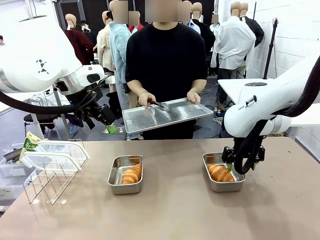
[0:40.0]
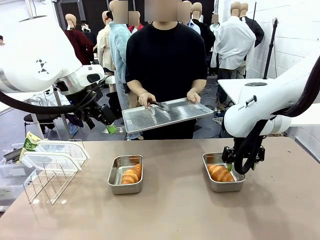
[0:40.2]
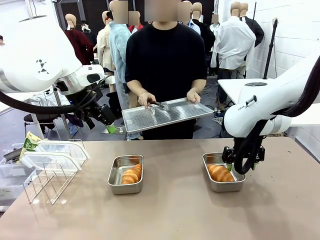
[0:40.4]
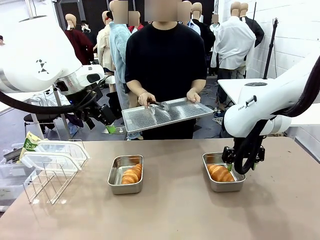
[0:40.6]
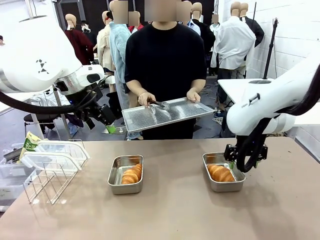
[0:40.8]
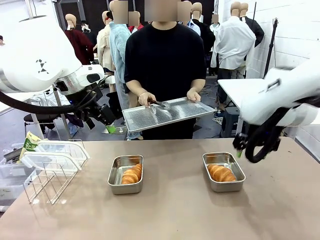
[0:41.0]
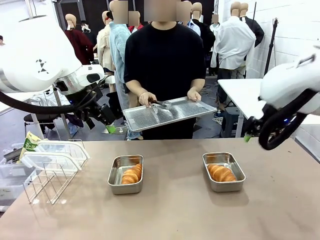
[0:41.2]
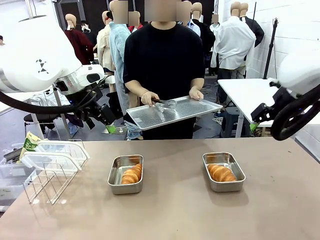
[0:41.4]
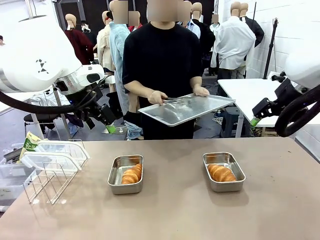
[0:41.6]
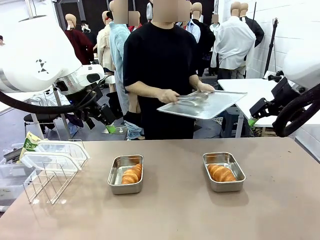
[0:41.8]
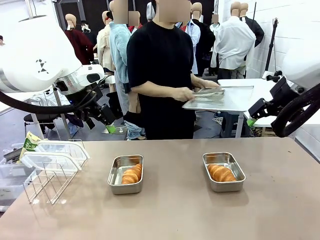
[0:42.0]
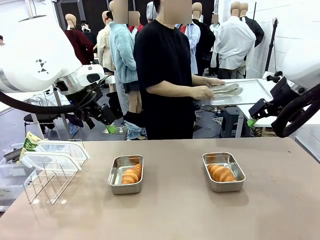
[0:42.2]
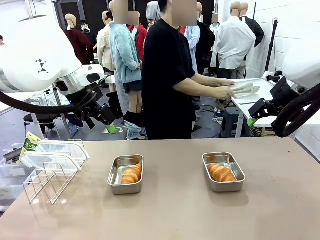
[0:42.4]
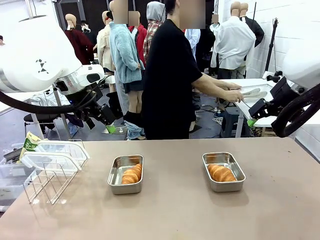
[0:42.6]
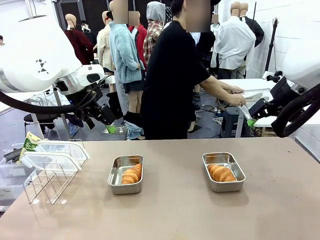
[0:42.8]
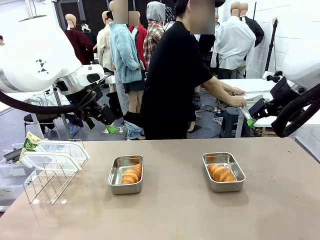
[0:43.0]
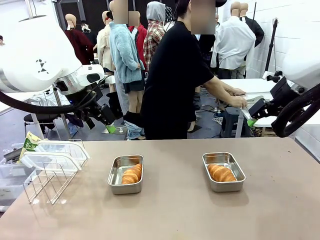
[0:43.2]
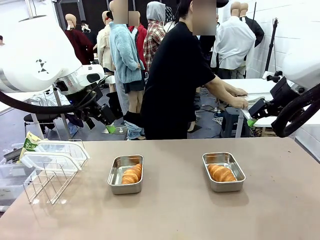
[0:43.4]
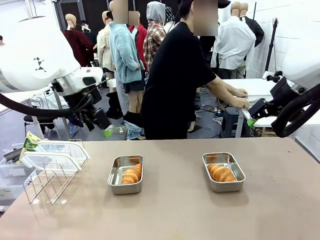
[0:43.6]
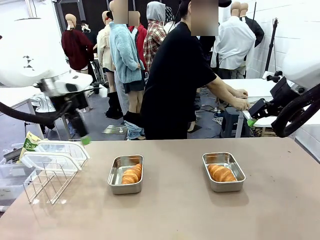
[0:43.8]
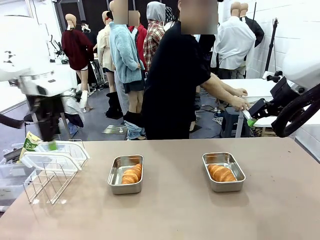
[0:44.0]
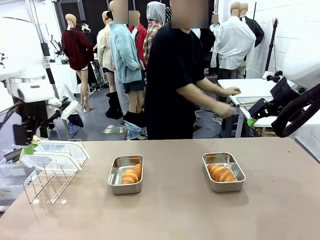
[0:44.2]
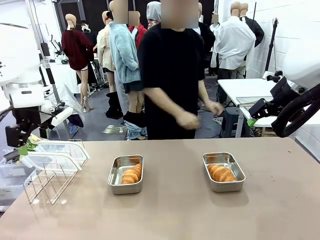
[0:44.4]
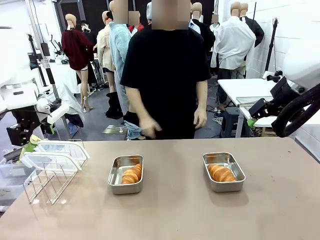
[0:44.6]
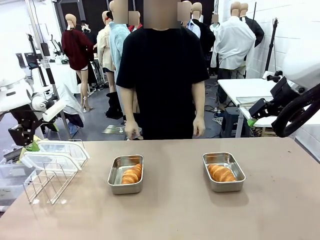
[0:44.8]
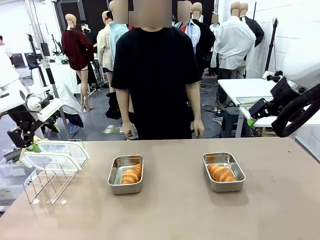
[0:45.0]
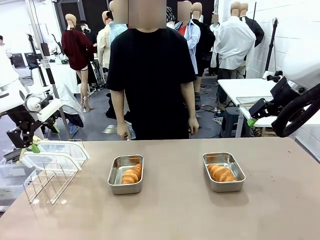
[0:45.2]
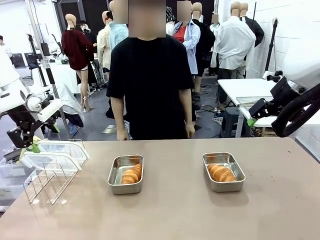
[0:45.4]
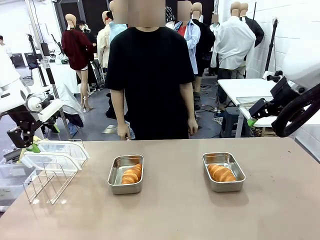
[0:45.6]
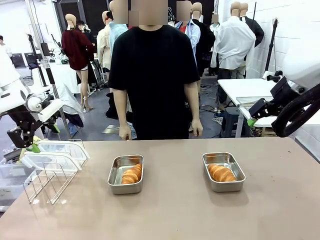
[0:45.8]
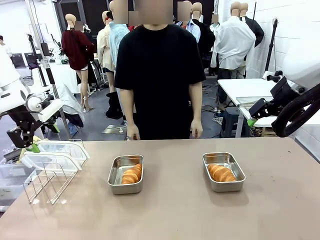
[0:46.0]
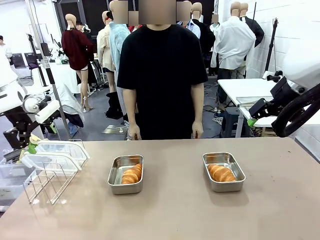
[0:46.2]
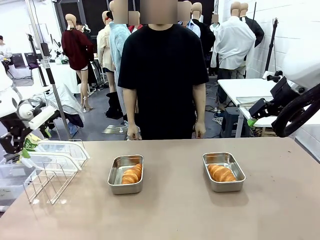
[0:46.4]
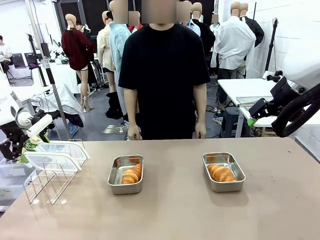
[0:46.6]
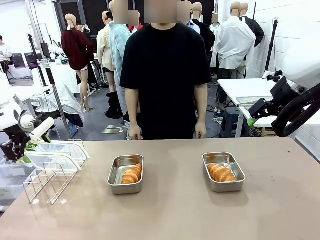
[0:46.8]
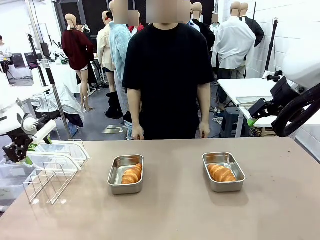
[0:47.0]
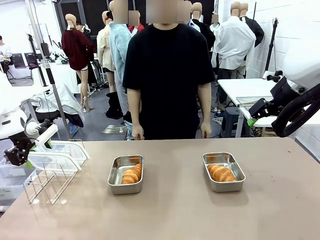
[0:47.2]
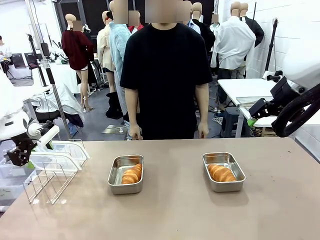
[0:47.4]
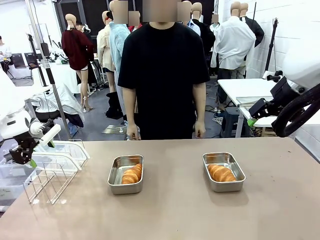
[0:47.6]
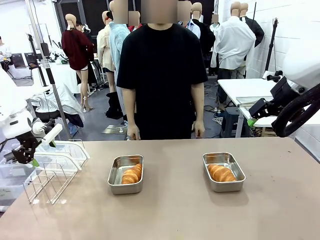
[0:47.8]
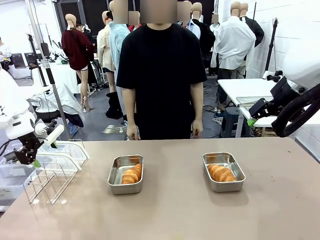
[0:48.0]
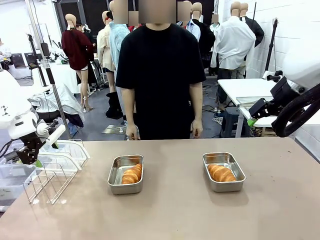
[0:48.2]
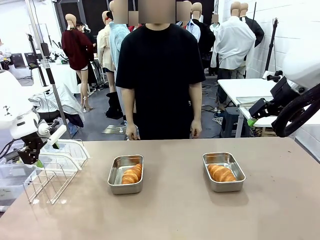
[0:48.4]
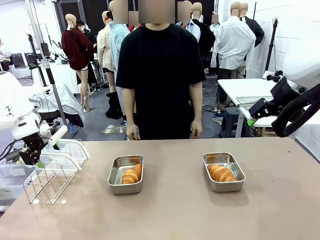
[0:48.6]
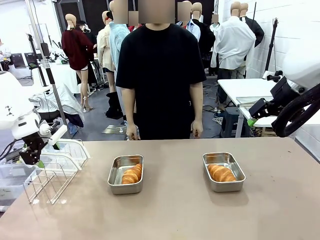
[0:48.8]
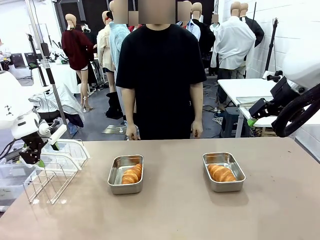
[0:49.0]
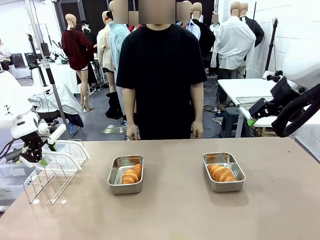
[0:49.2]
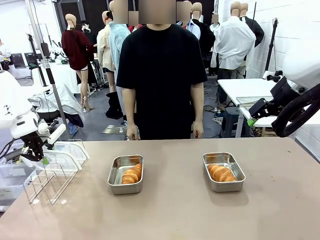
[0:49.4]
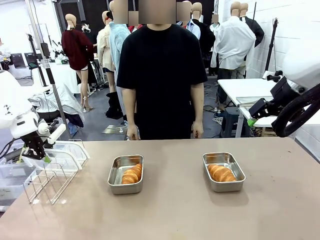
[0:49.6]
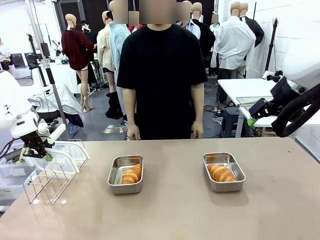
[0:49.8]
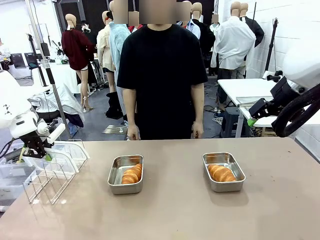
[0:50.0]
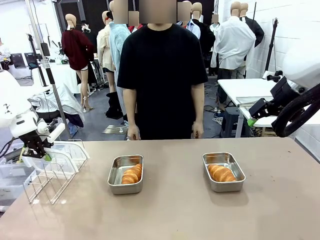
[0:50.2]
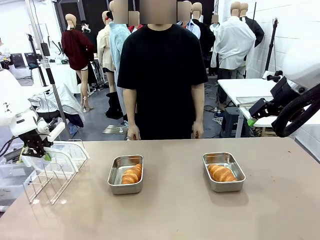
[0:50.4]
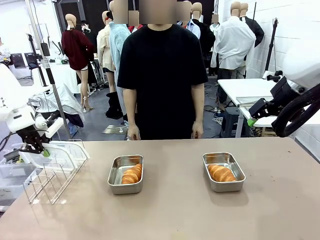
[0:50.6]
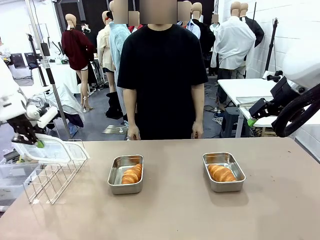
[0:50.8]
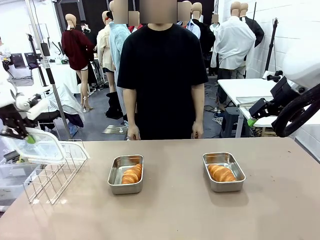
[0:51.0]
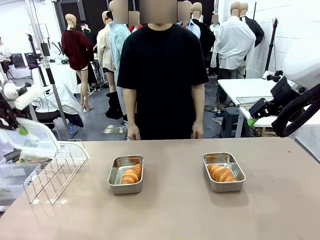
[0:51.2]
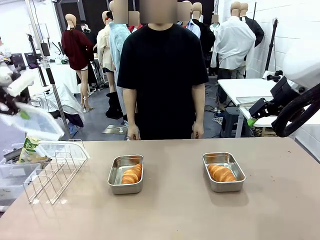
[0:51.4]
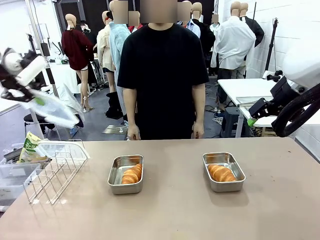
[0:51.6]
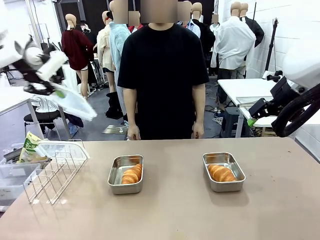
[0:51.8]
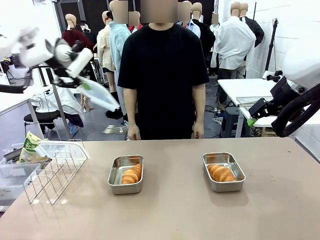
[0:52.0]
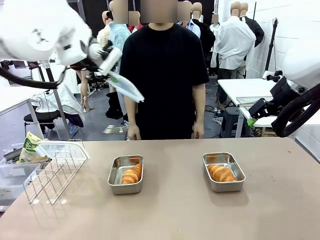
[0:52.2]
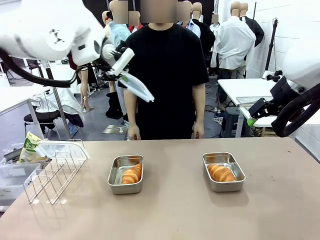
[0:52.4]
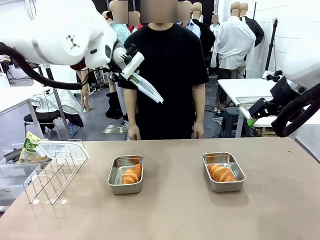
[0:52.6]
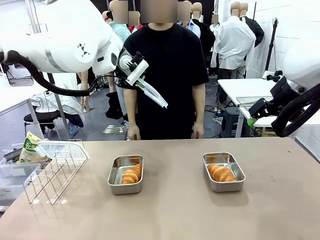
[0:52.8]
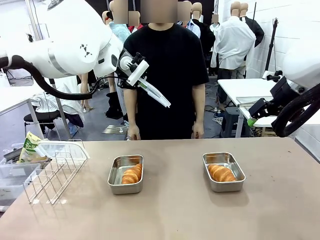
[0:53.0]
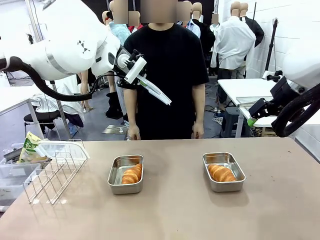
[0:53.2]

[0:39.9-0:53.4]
Task: Place the bread in airtight containers.
Robot: Pick up one Airtight Container lid and hand it to the human.
Person: Grip Airtight Container lid that robot is handing.

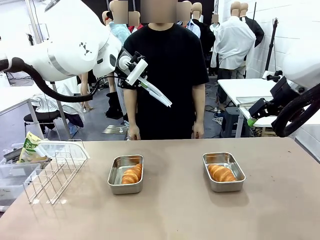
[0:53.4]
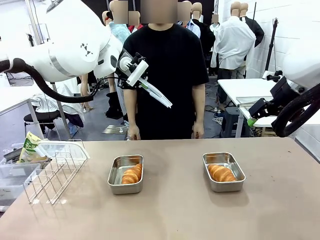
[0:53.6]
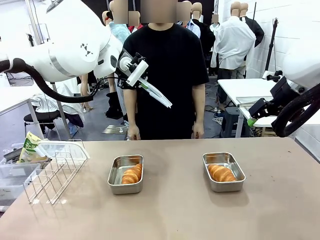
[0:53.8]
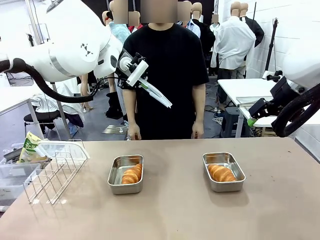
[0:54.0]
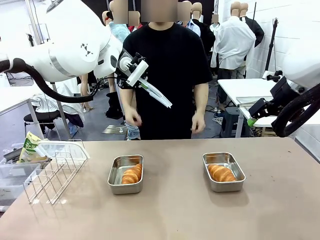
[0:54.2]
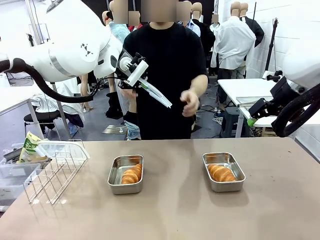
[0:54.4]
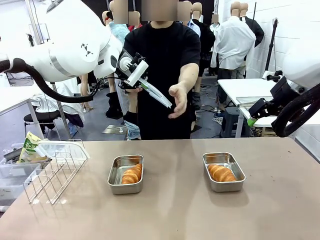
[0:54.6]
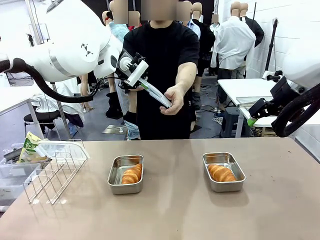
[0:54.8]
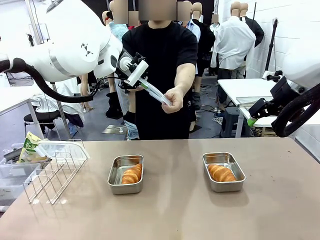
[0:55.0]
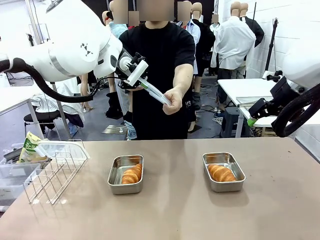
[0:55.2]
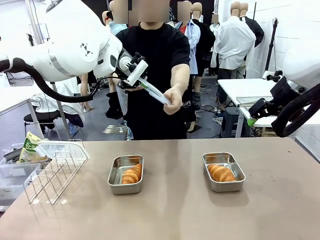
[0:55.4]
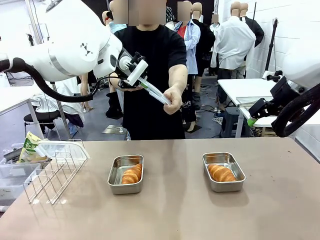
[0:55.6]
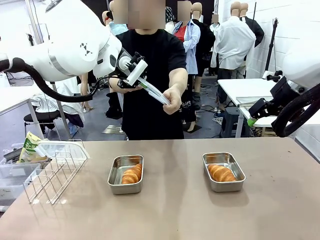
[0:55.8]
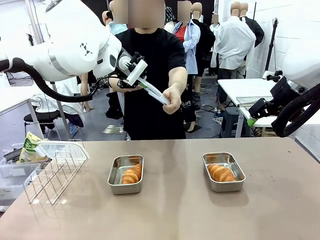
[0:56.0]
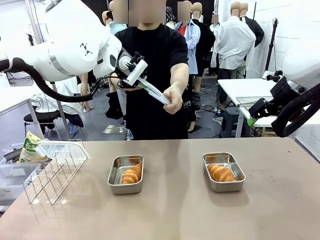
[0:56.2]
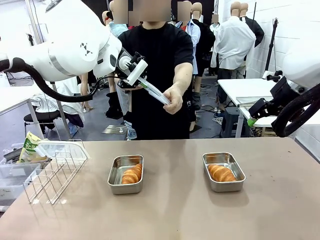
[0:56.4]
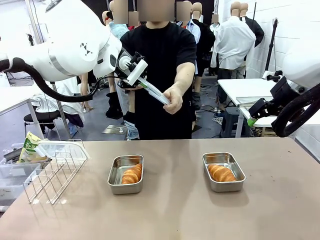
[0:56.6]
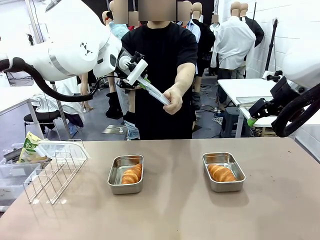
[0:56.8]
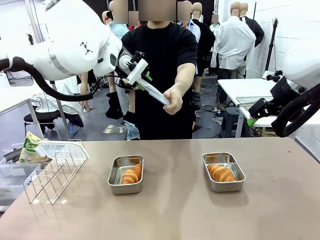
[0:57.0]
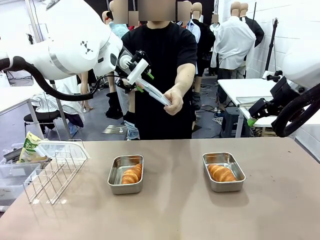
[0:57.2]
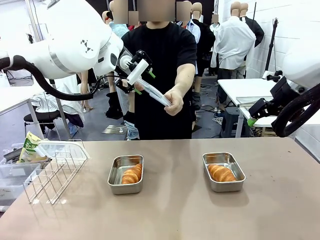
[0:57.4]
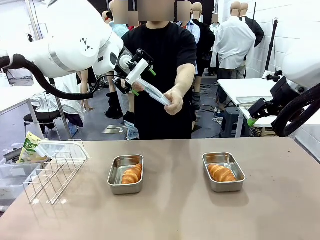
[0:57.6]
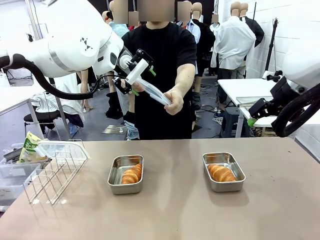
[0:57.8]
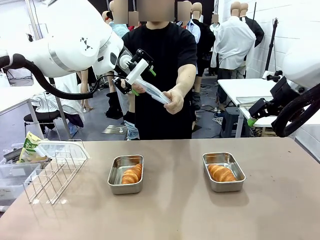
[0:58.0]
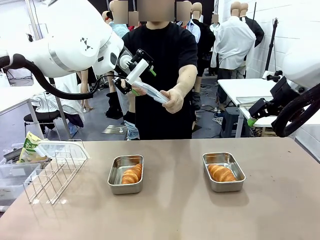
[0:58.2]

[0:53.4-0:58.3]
Robot: Release when the human grabs the Airtight Container lid.
